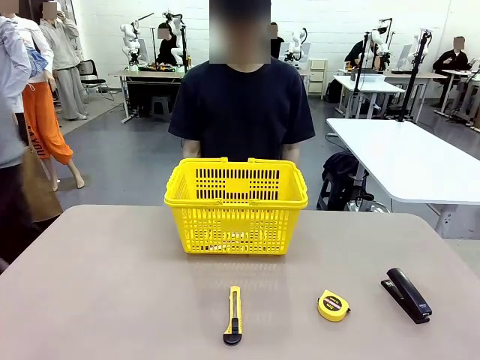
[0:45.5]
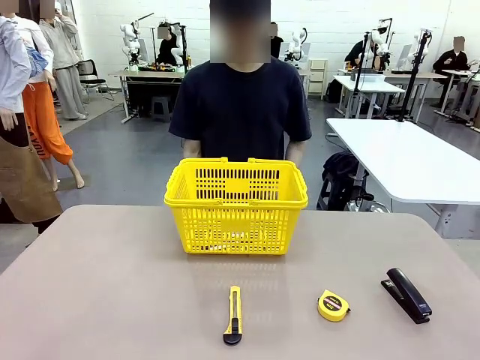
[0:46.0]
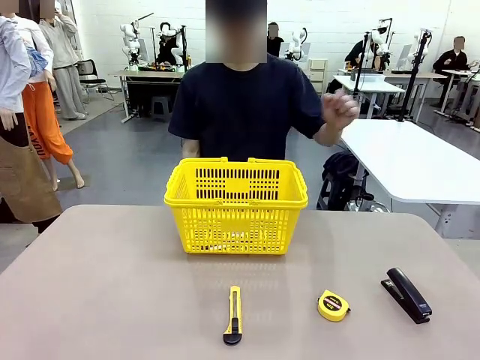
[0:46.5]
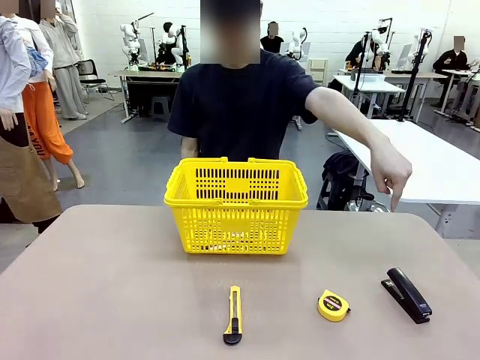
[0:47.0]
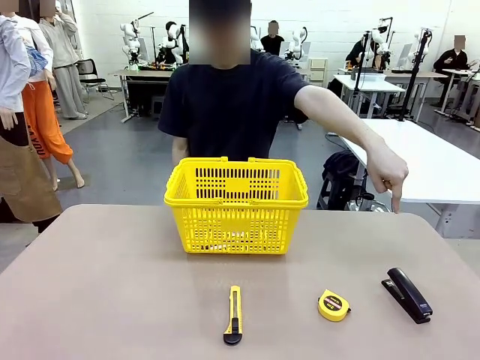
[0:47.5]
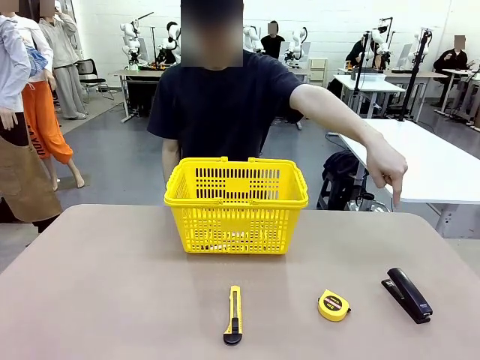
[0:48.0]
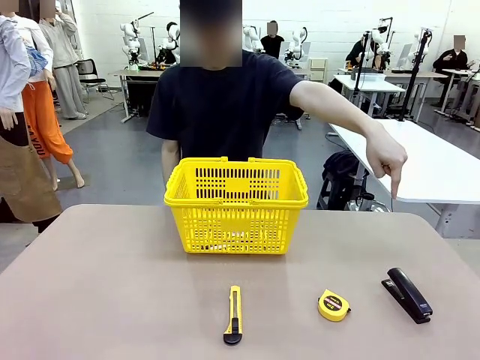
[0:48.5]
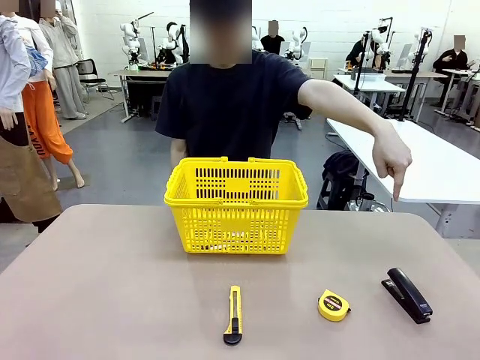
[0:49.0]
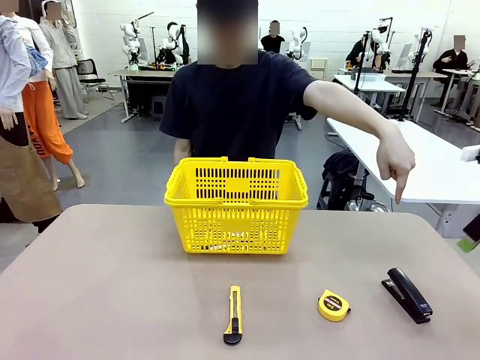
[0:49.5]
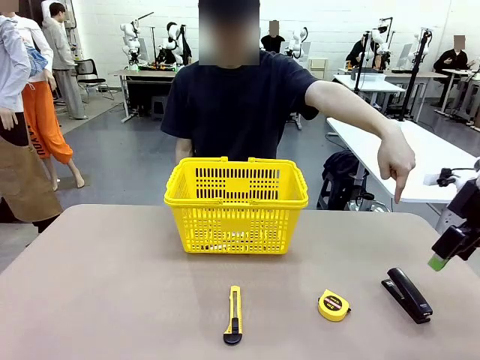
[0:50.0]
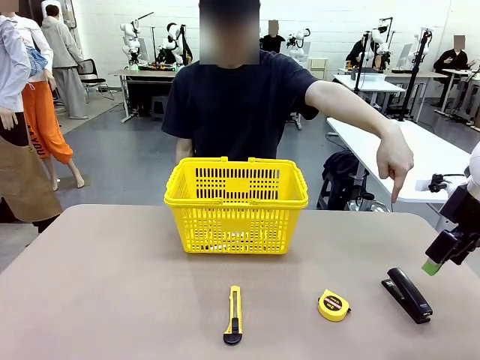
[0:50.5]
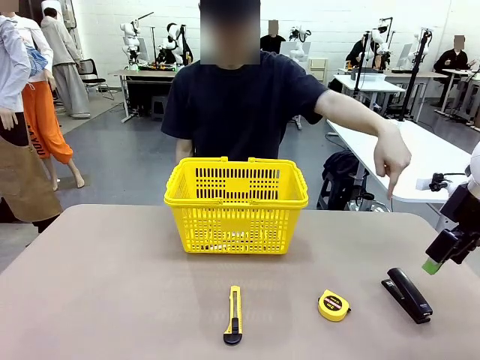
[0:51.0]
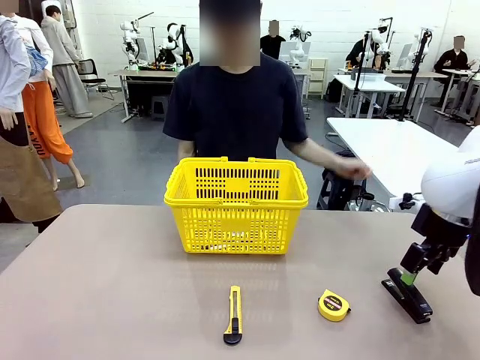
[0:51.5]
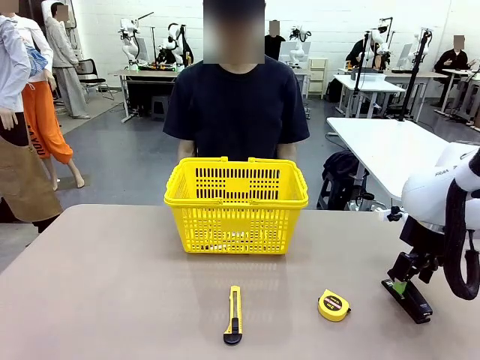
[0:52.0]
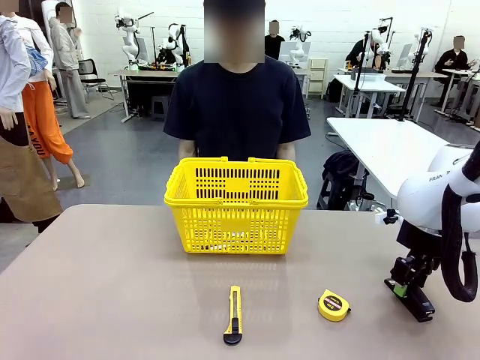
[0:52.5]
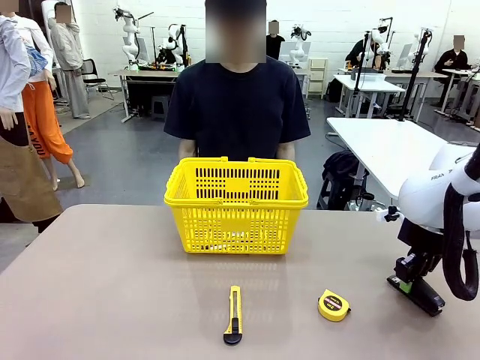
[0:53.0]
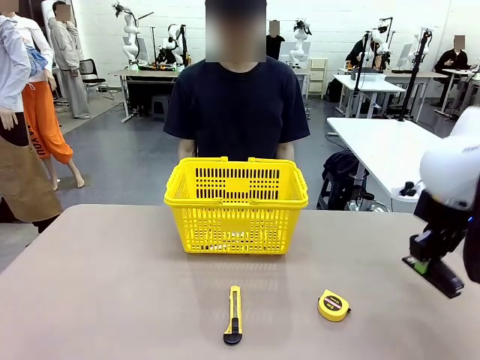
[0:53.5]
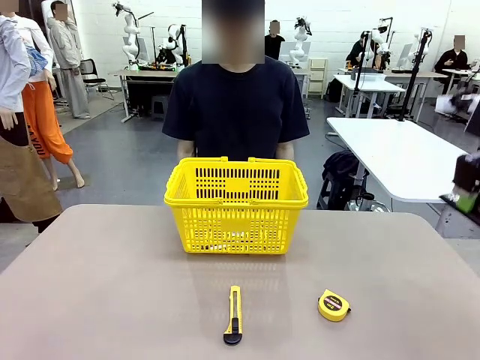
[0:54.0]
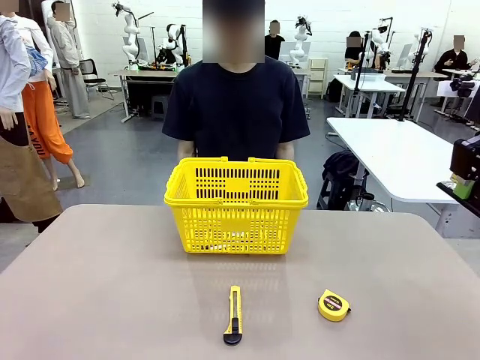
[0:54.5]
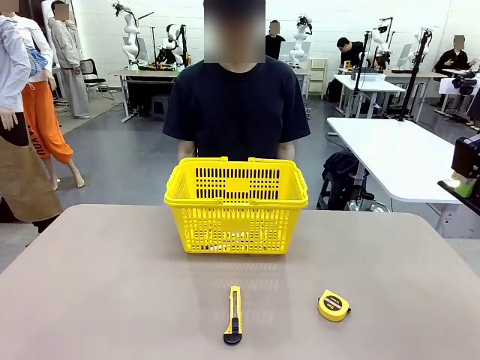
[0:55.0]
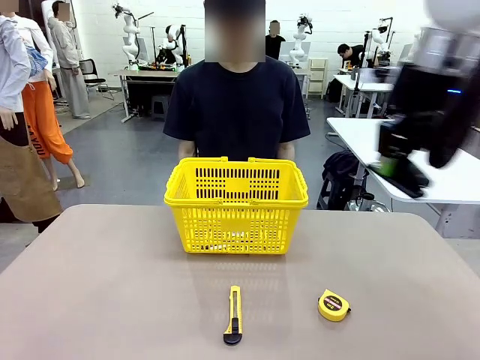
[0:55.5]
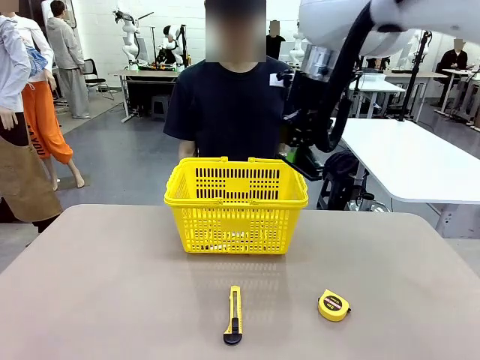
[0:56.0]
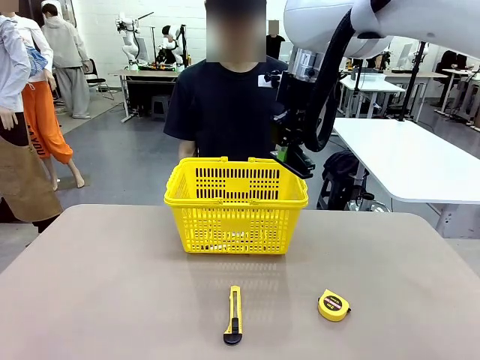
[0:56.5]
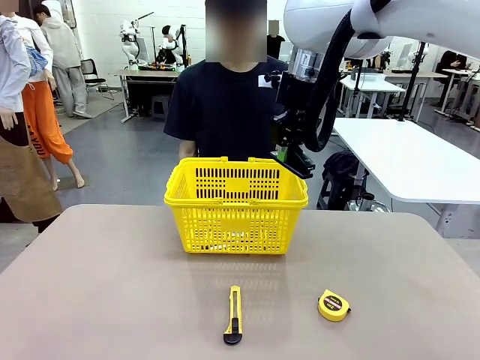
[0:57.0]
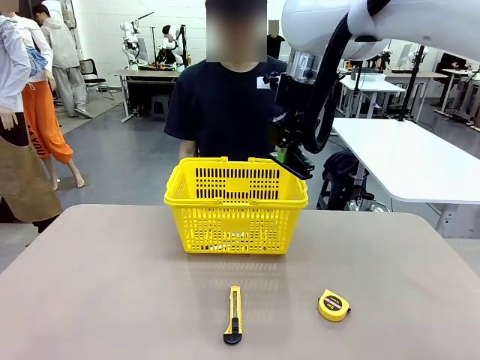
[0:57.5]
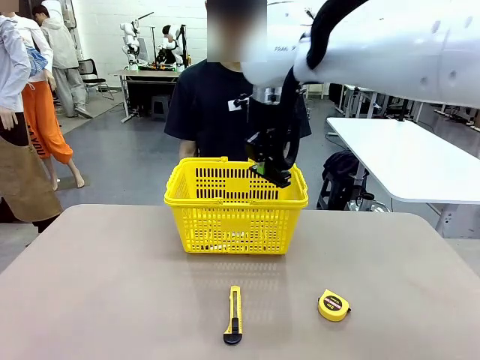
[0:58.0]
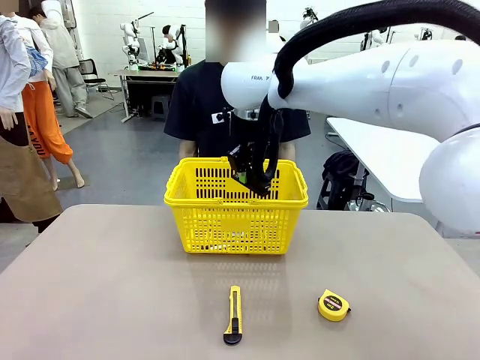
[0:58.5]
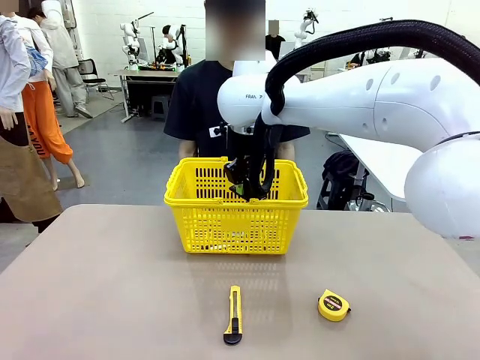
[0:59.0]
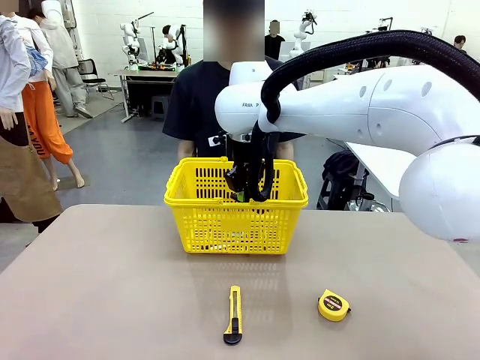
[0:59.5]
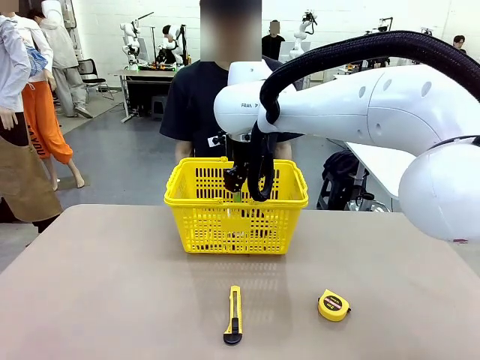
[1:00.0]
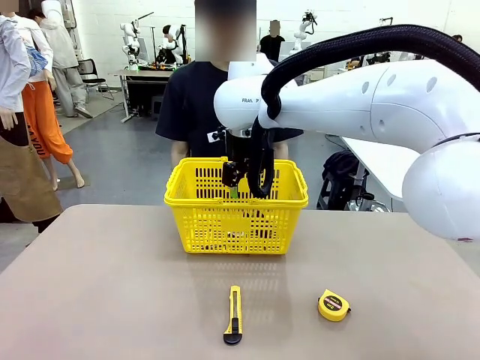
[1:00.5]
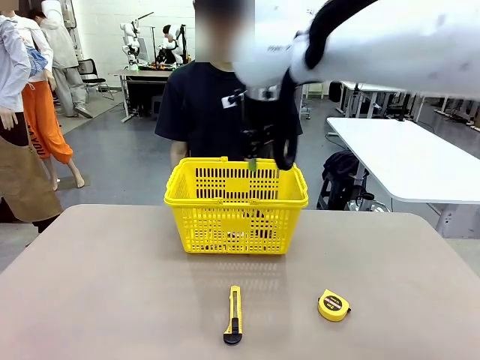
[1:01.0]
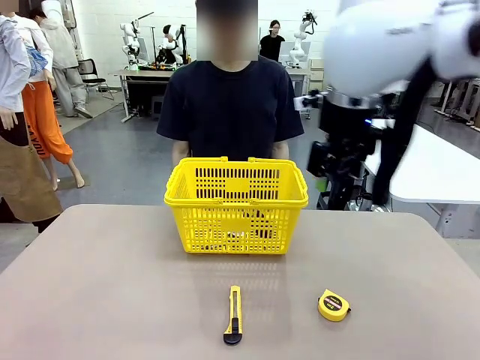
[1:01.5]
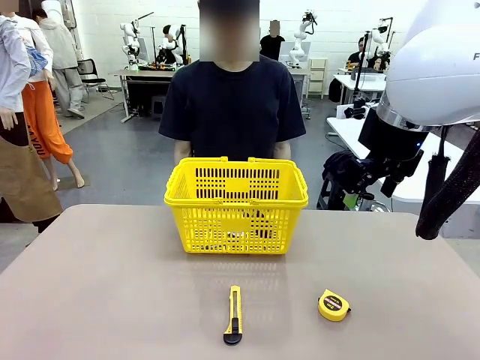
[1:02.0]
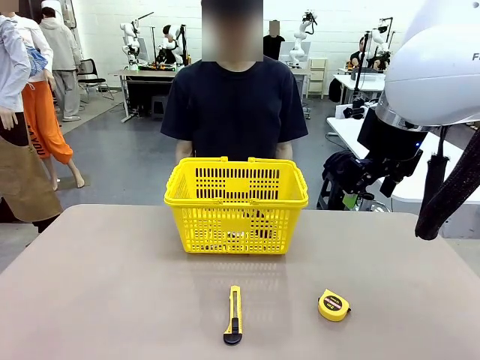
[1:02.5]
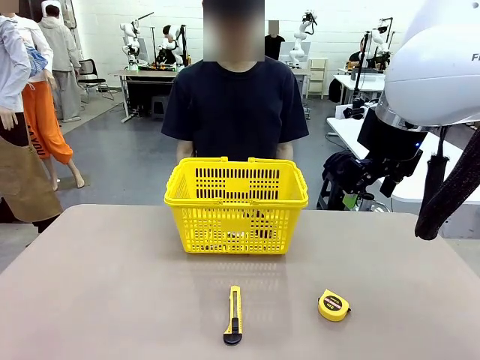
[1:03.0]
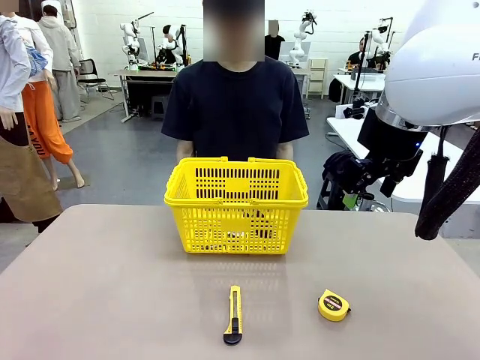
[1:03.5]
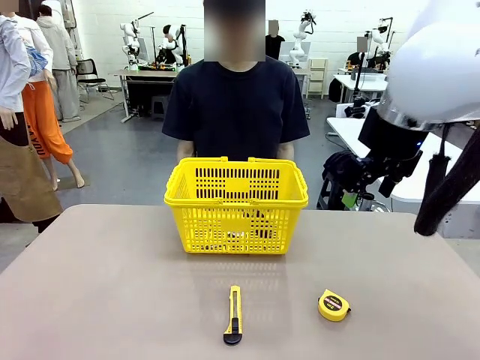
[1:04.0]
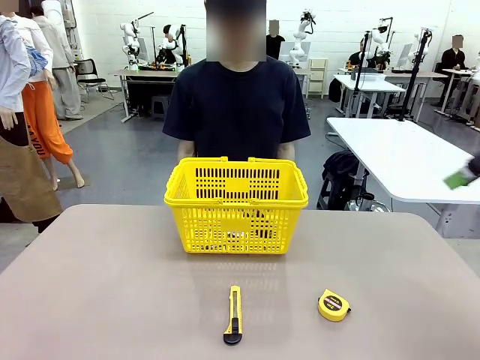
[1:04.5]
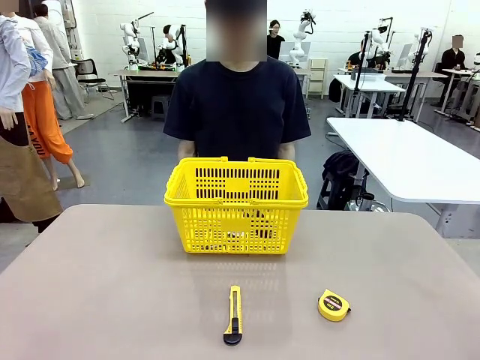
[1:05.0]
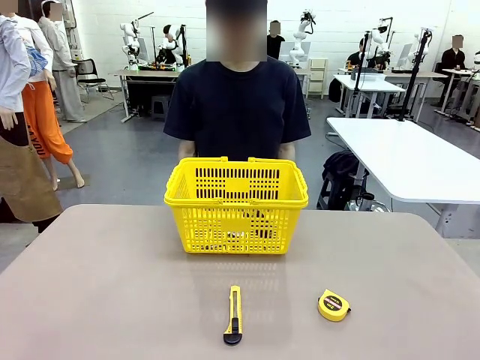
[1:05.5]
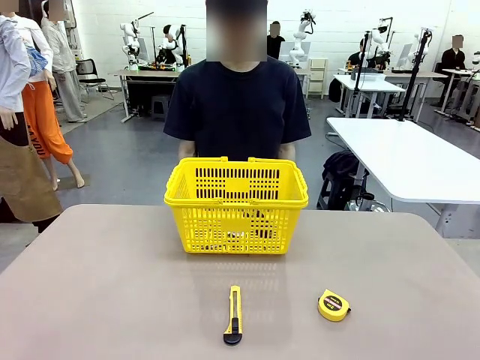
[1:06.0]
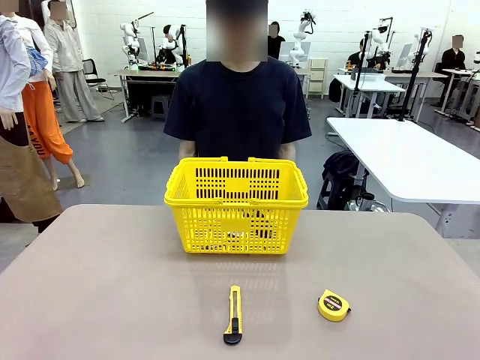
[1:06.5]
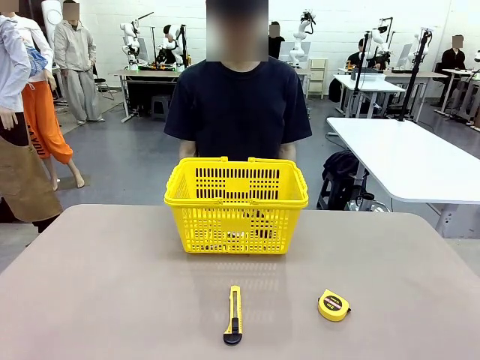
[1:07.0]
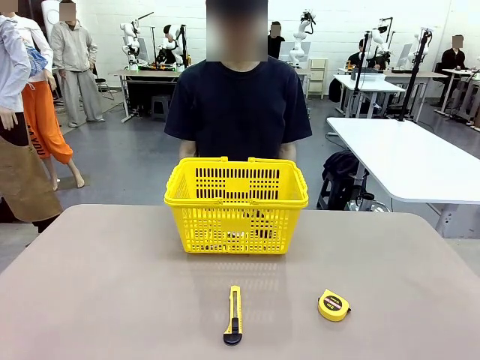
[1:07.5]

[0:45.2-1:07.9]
Task: Place the items the person wants into the basket.
Robot: Pick up the item the person points to and place it in the Market Basket.

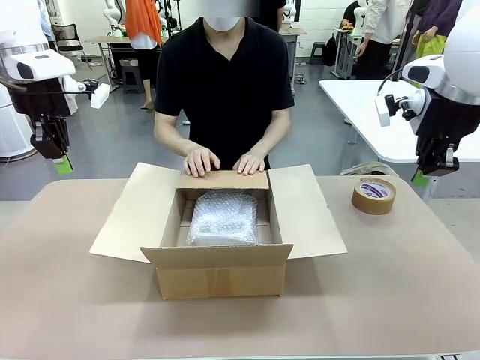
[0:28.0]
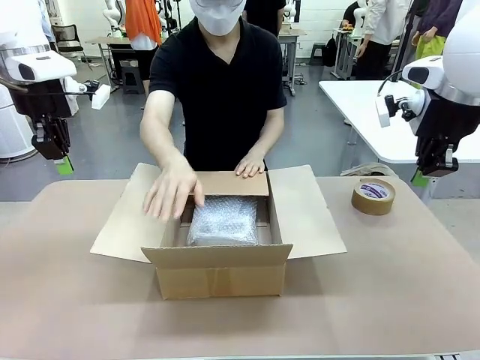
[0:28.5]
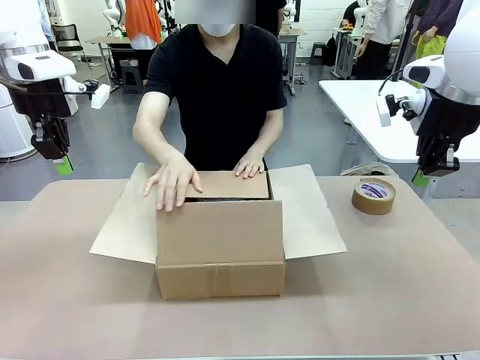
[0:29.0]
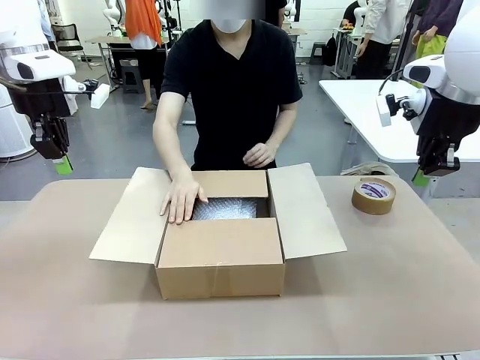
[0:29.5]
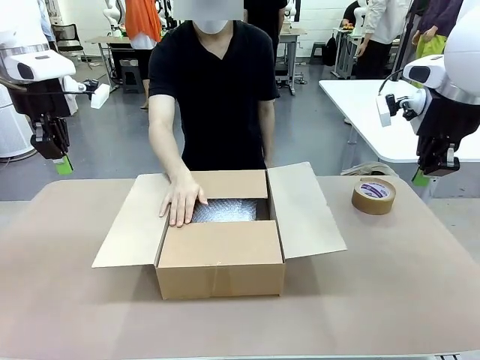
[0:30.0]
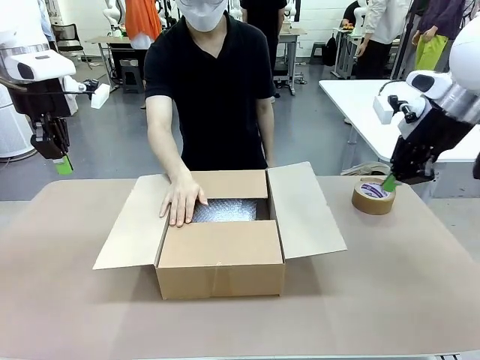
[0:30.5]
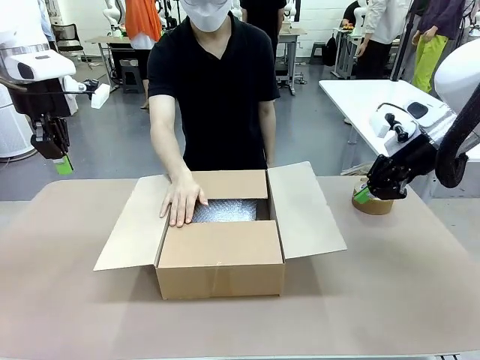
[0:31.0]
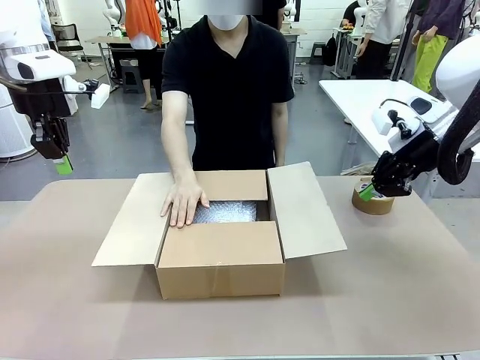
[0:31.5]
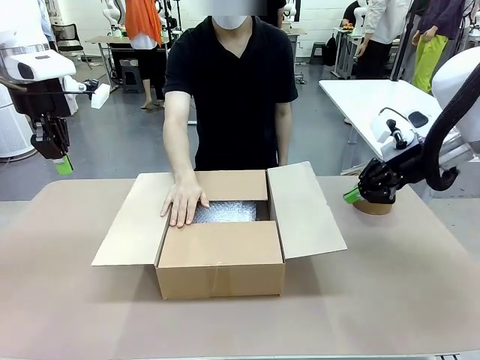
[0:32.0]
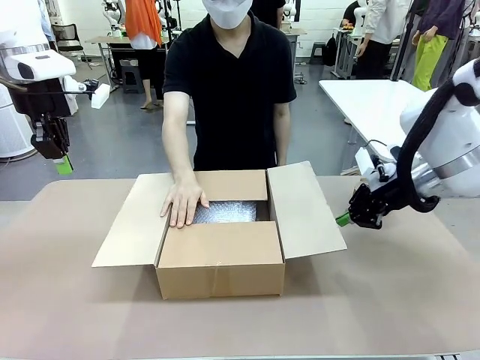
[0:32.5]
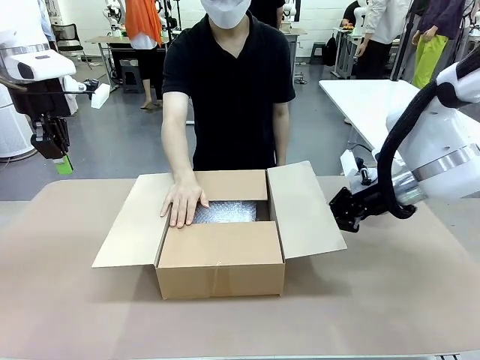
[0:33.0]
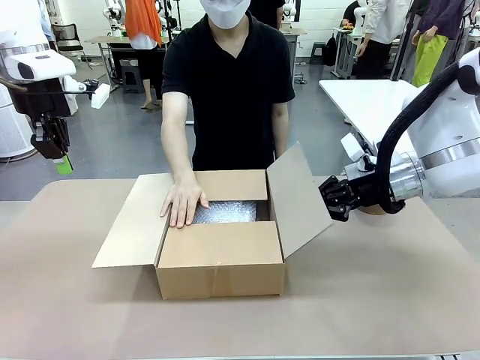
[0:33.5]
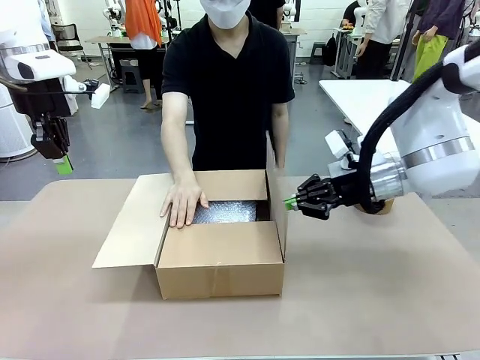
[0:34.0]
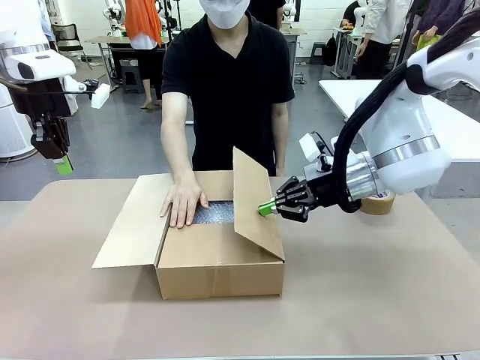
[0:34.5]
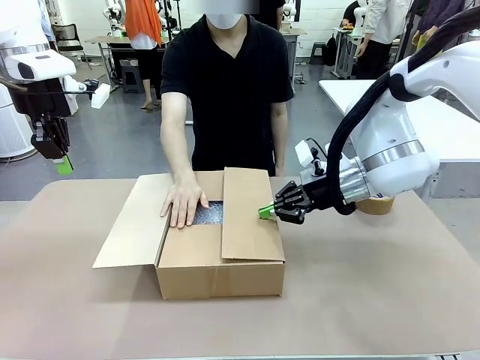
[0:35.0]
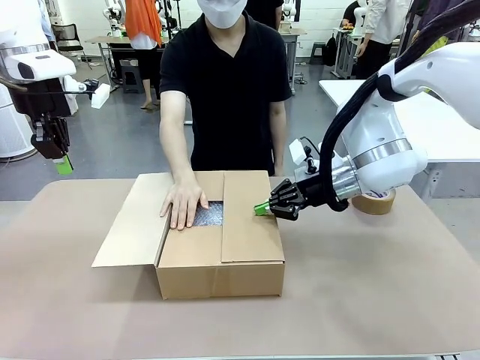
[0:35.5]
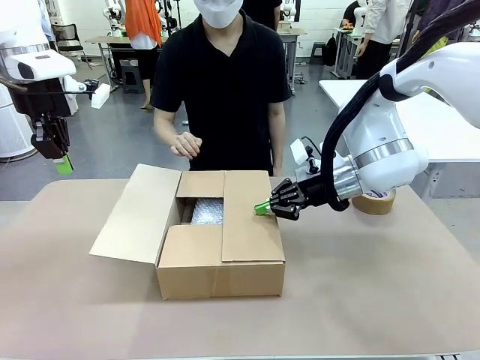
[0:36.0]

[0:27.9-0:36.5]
Task: Wrap the clocks to prevent damage.
Robot: Push the right (or left) flap of the Package Box to close it.
Person: Once the robot closes the right flap of the Package Box , release your left hand from the box.
